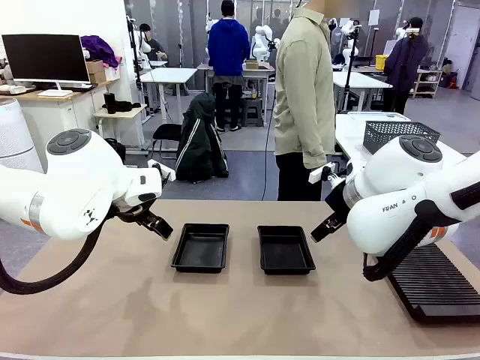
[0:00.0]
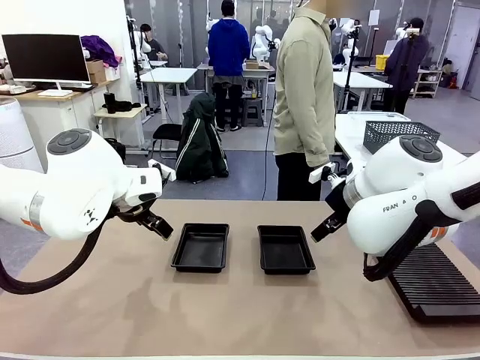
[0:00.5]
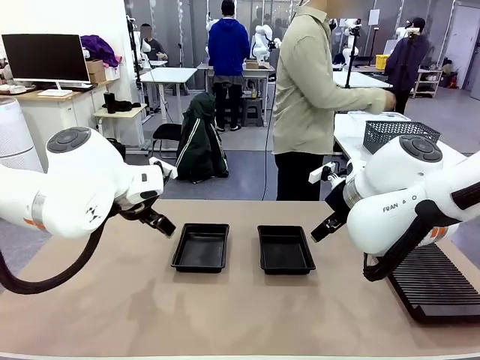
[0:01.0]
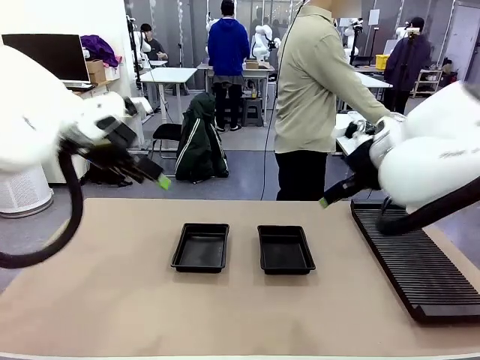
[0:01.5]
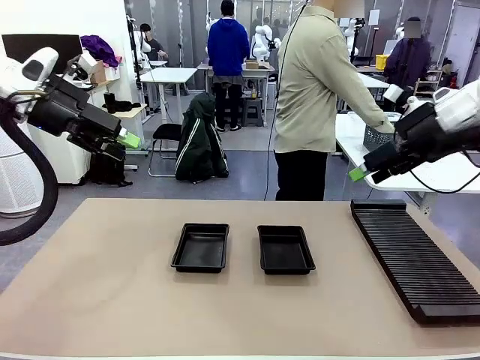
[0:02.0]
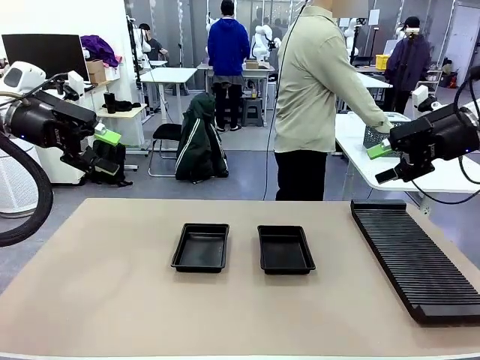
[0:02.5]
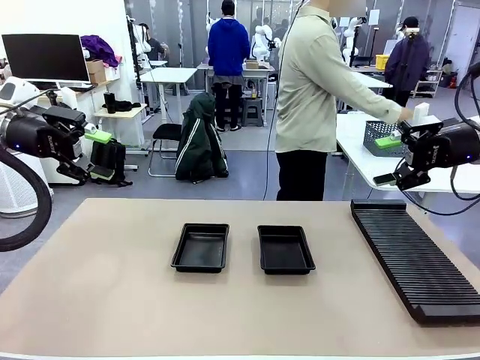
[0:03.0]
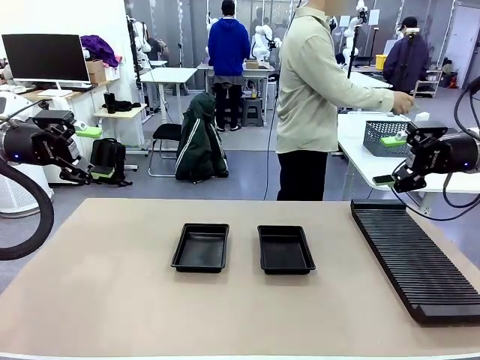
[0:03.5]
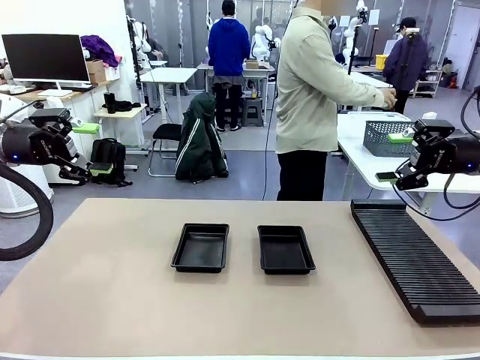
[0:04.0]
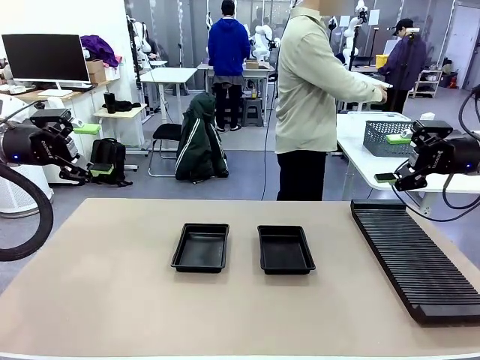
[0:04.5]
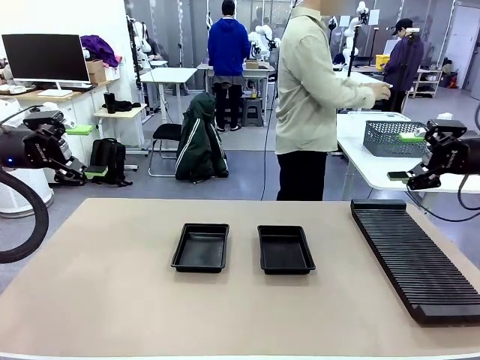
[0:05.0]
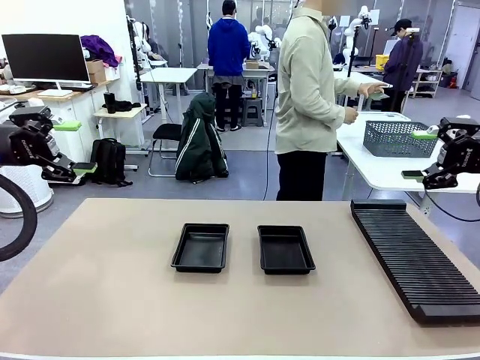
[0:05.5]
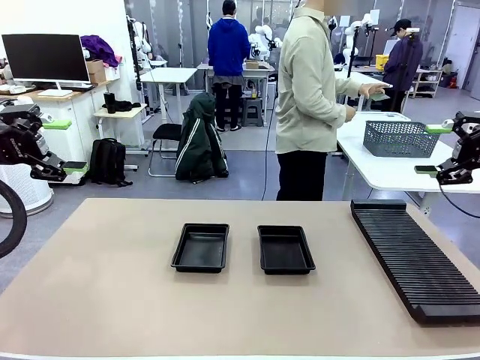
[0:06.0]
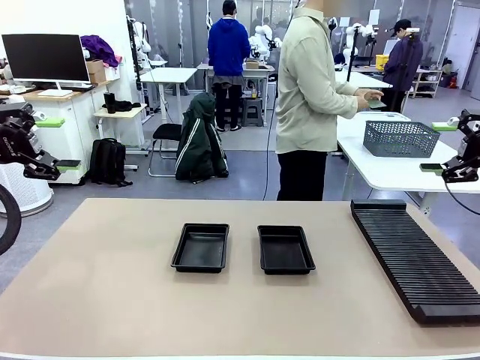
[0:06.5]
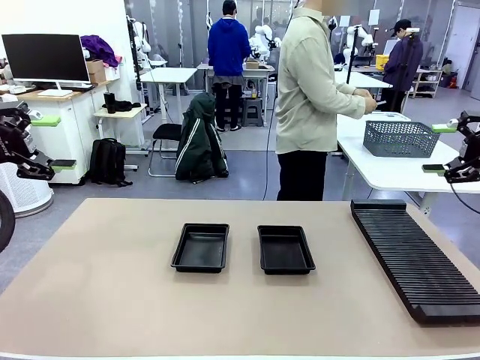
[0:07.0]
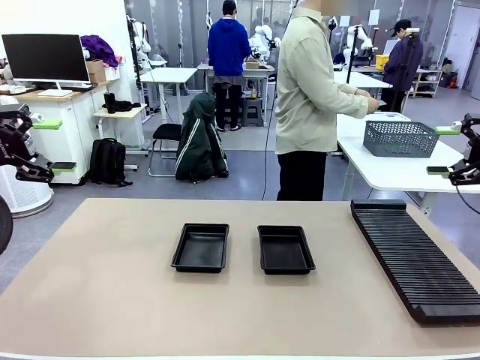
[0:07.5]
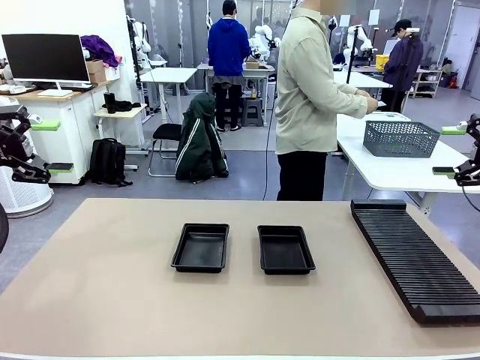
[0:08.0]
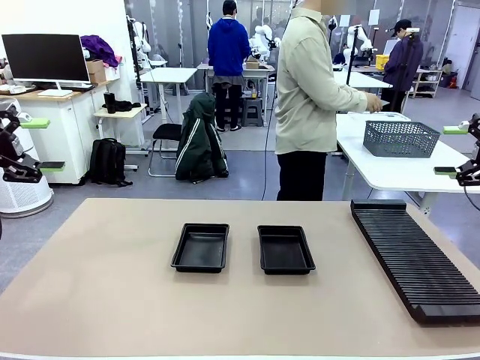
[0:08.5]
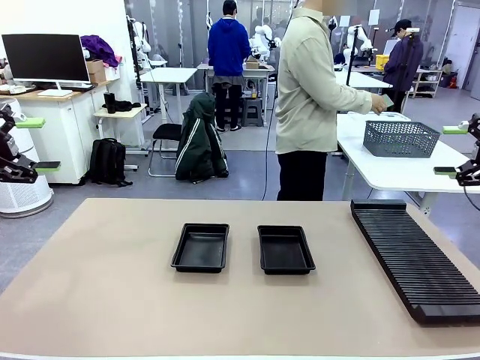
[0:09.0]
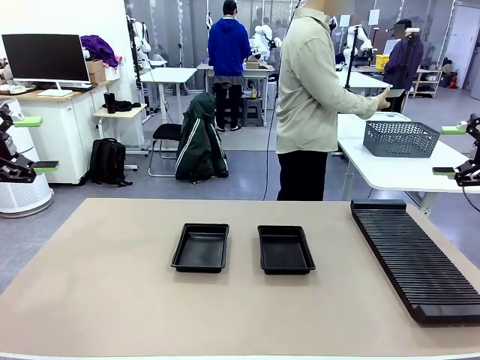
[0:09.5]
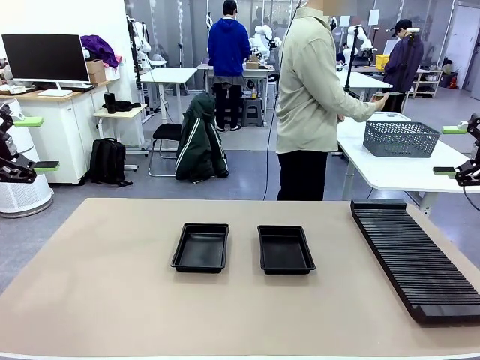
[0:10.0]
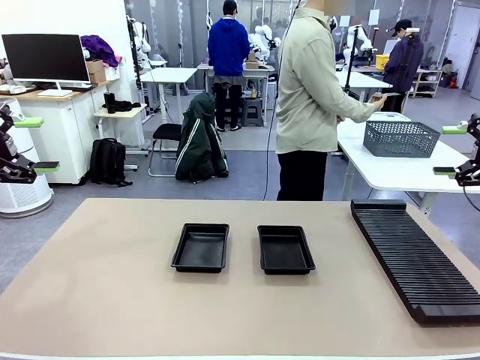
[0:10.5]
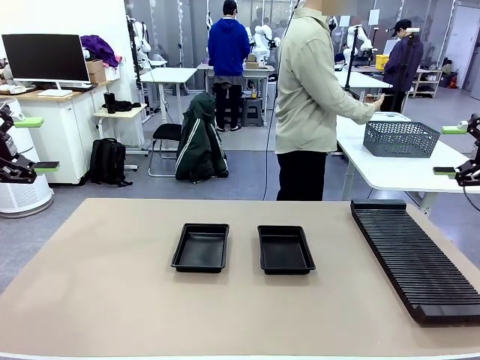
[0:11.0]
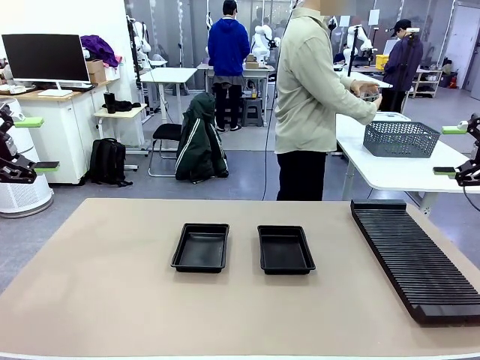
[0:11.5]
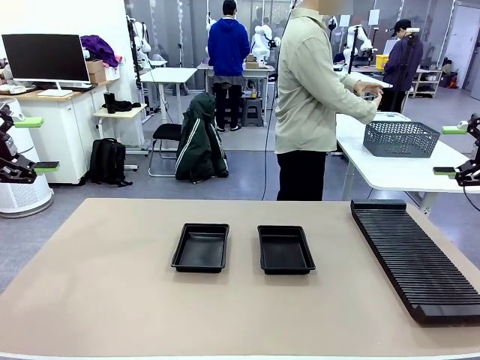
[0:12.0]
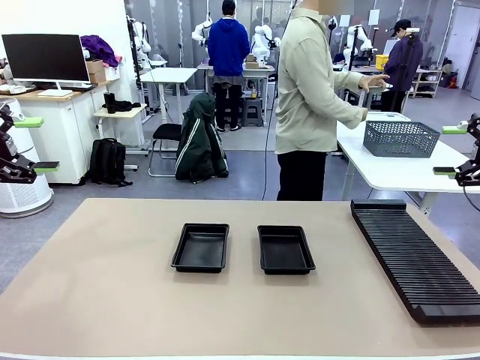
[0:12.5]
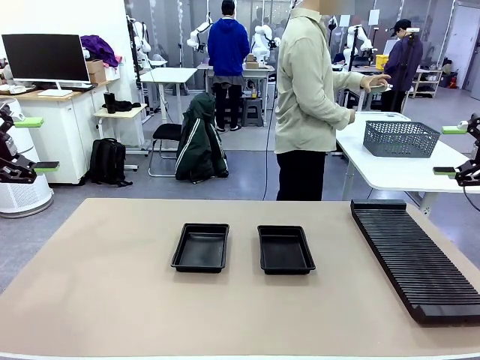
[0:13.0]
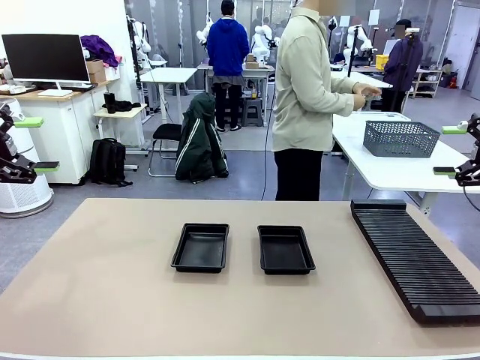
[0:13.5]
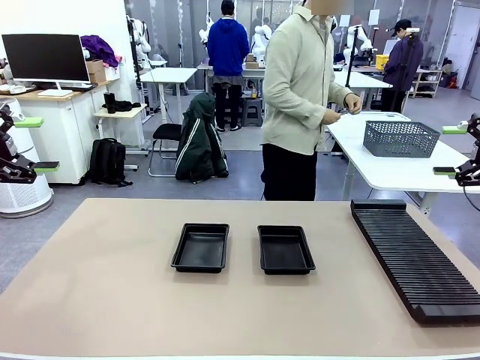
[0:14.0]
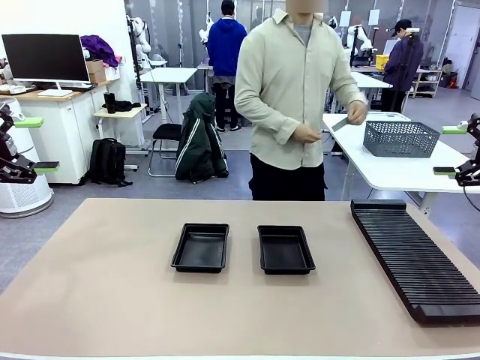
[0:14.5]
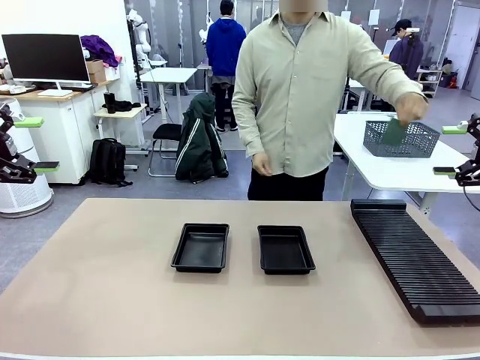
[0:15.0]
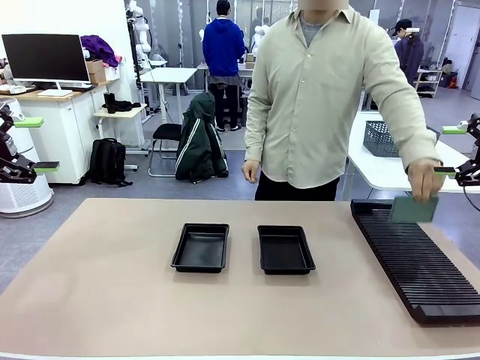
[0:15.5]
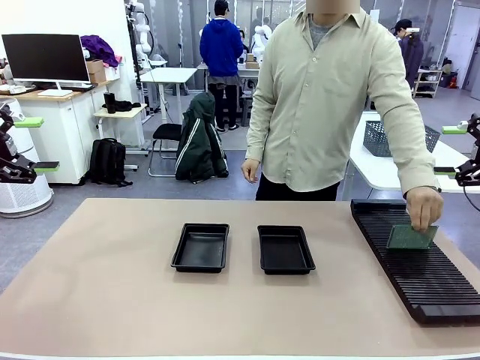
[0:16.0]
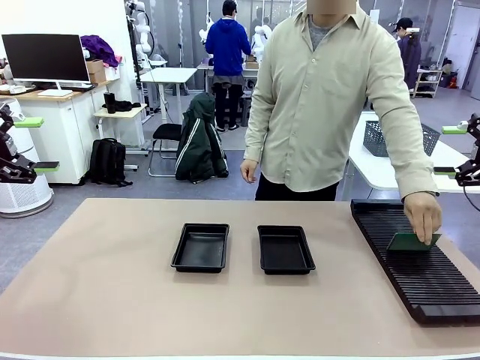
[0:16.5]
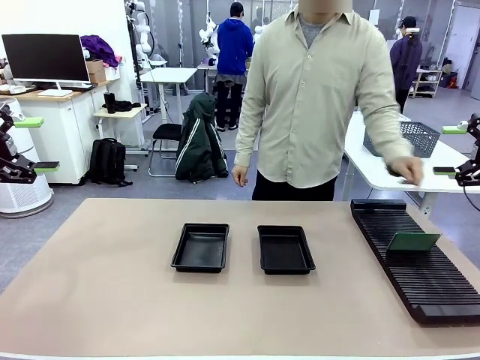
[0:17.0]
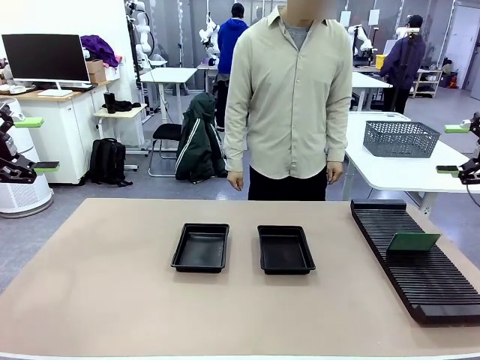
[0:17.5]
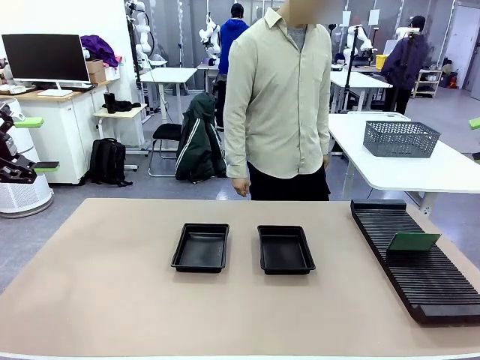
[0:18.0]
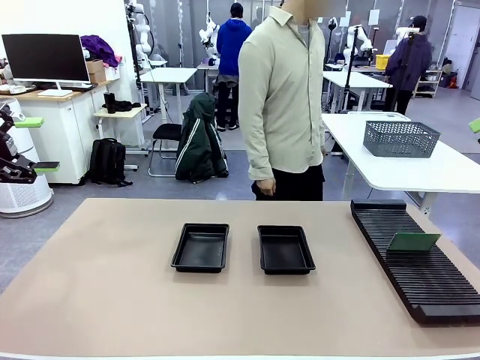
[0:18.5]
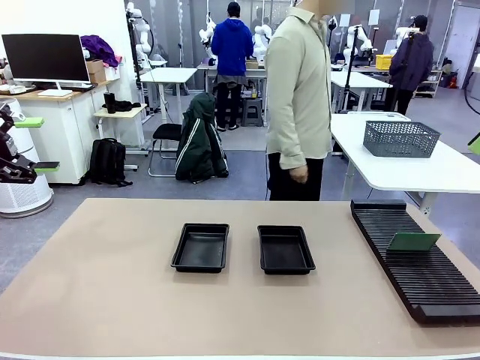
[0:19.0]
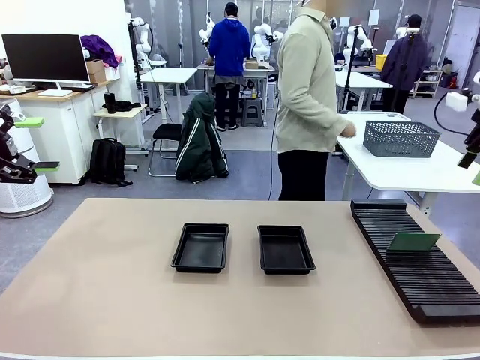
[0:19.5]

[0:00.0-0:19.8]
Task: Inspect and transfer BCBs to ESD trays.
Robot: Pick up the Blank PCB from the PCB Rack and place it in the left ESD tray.
